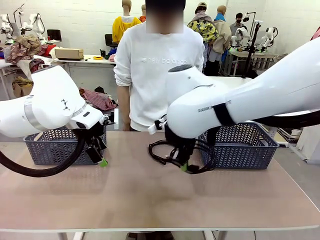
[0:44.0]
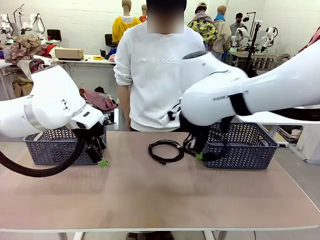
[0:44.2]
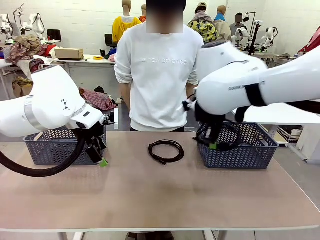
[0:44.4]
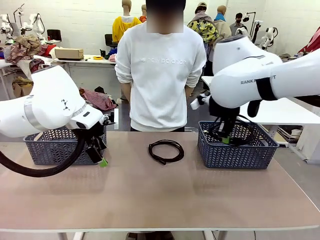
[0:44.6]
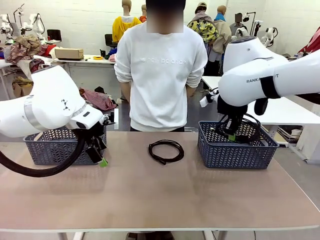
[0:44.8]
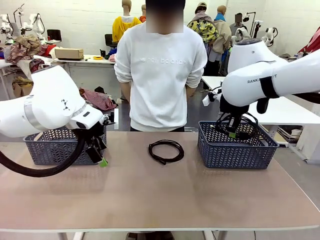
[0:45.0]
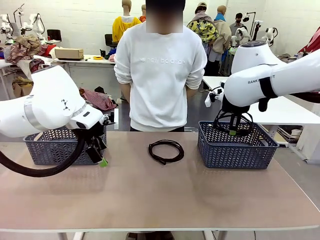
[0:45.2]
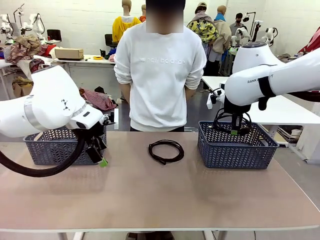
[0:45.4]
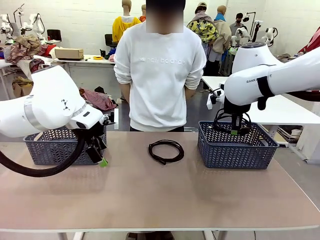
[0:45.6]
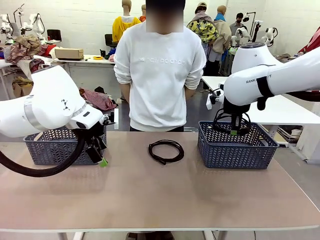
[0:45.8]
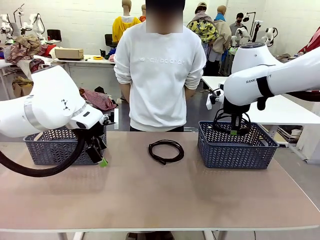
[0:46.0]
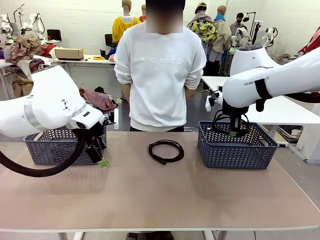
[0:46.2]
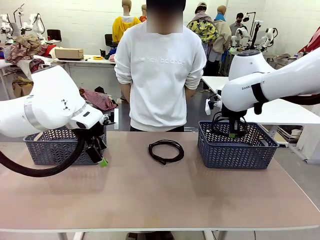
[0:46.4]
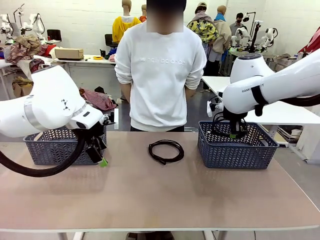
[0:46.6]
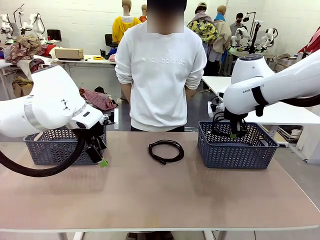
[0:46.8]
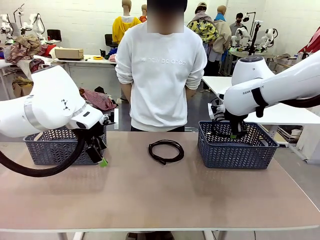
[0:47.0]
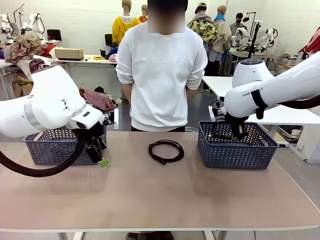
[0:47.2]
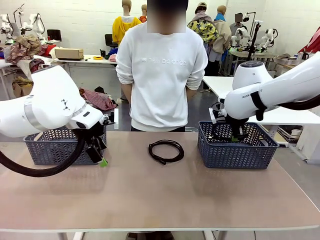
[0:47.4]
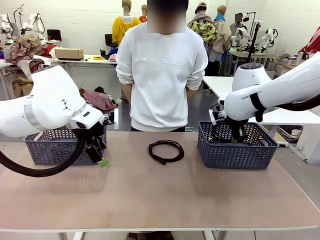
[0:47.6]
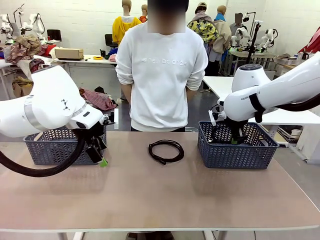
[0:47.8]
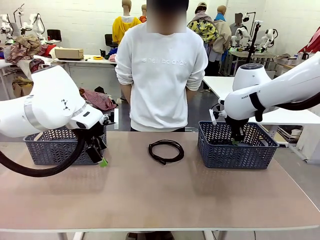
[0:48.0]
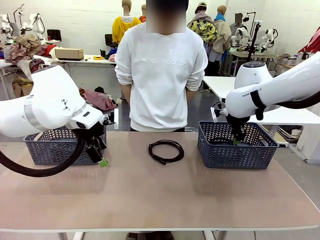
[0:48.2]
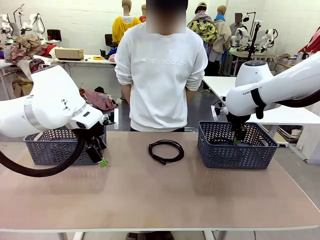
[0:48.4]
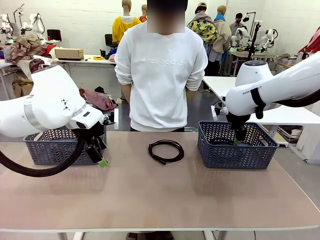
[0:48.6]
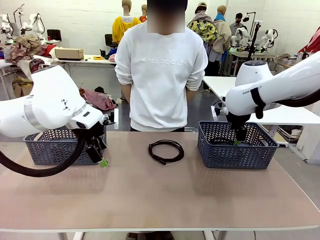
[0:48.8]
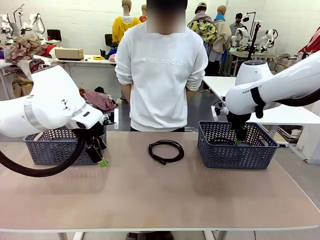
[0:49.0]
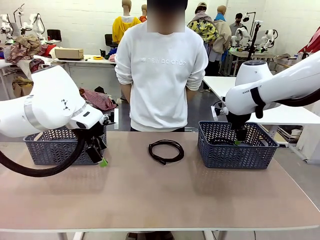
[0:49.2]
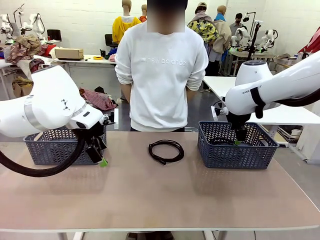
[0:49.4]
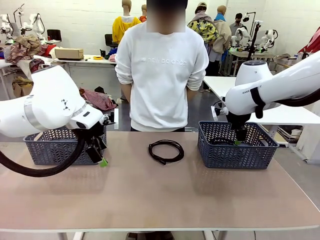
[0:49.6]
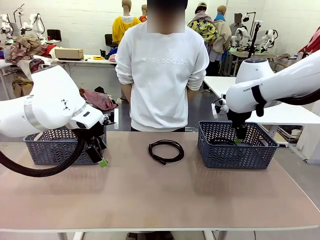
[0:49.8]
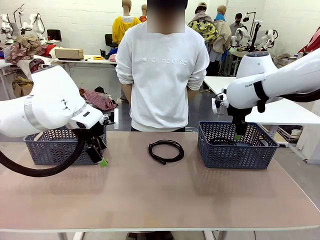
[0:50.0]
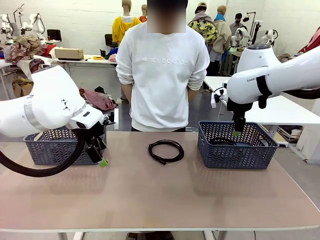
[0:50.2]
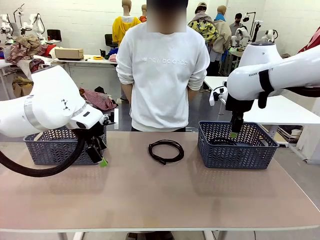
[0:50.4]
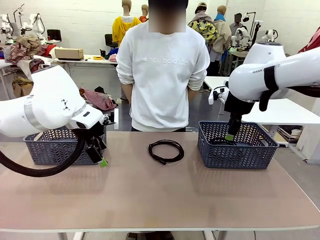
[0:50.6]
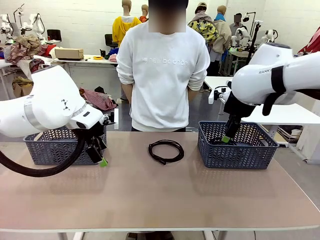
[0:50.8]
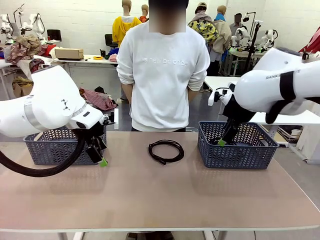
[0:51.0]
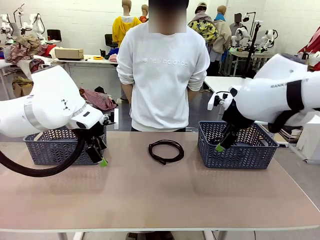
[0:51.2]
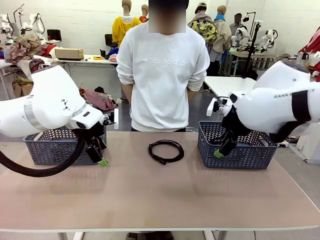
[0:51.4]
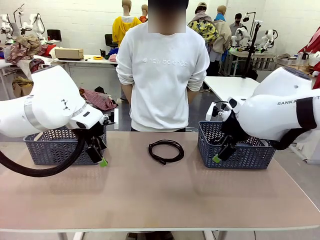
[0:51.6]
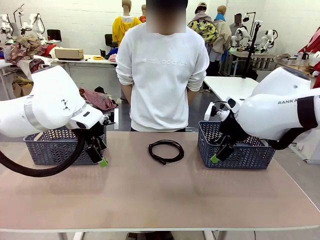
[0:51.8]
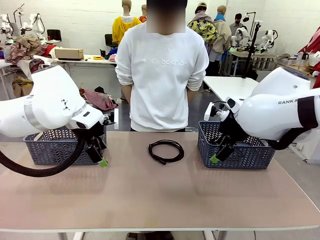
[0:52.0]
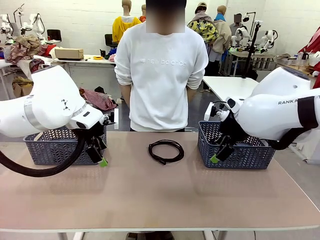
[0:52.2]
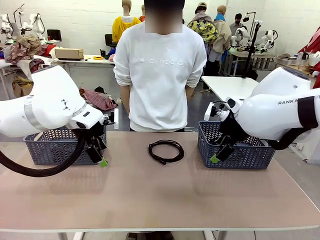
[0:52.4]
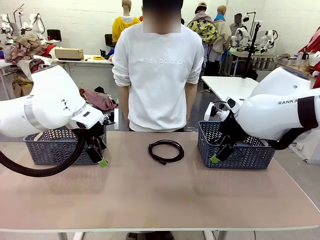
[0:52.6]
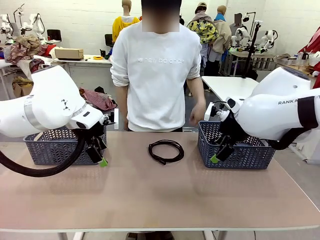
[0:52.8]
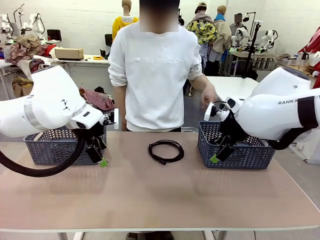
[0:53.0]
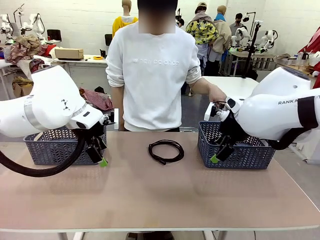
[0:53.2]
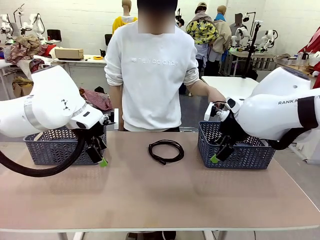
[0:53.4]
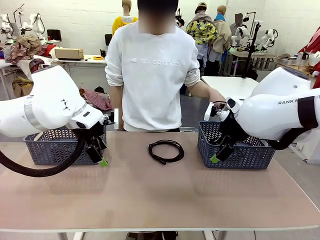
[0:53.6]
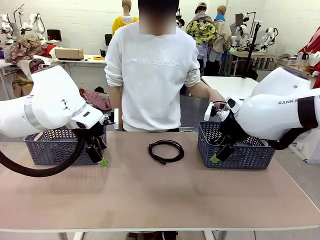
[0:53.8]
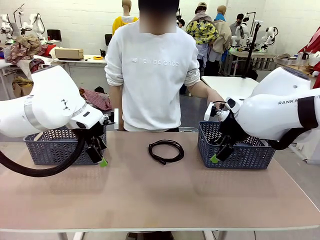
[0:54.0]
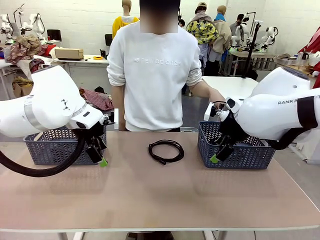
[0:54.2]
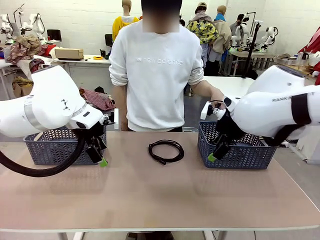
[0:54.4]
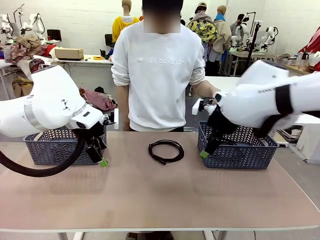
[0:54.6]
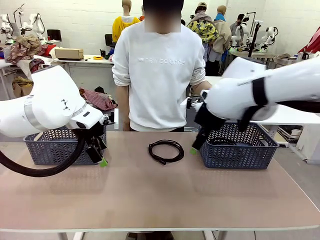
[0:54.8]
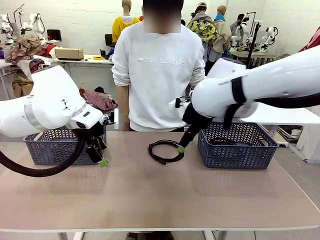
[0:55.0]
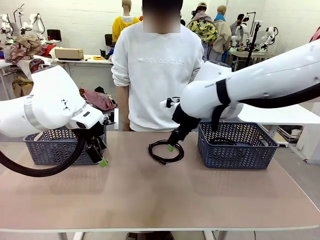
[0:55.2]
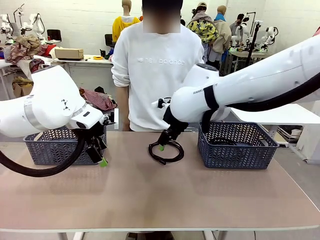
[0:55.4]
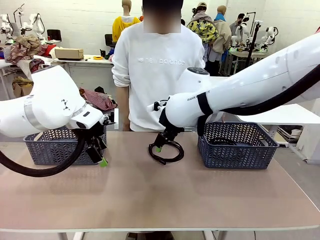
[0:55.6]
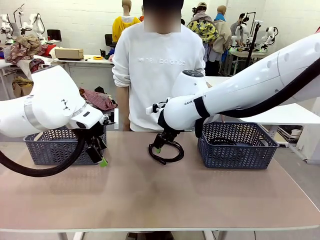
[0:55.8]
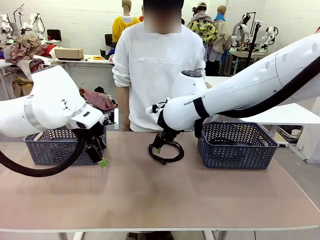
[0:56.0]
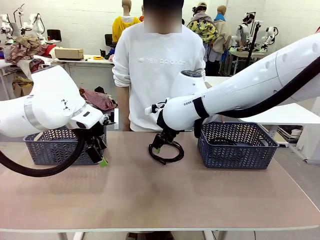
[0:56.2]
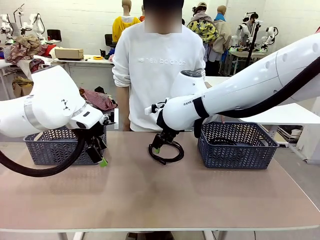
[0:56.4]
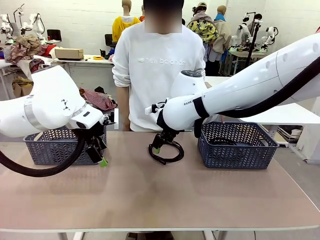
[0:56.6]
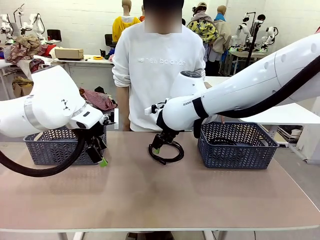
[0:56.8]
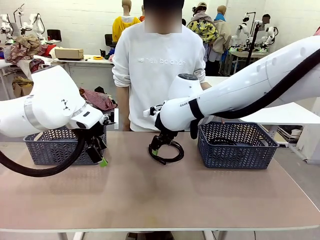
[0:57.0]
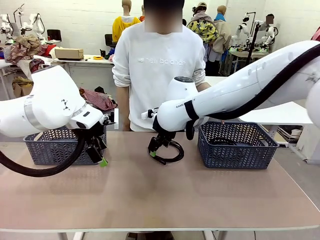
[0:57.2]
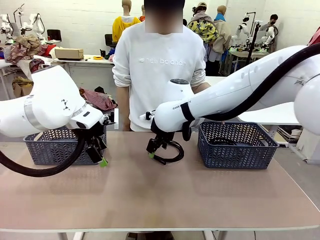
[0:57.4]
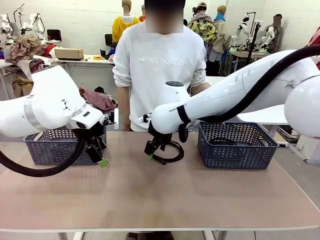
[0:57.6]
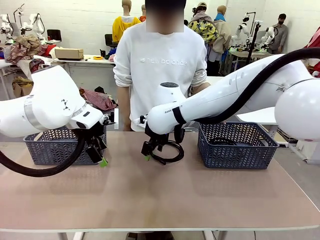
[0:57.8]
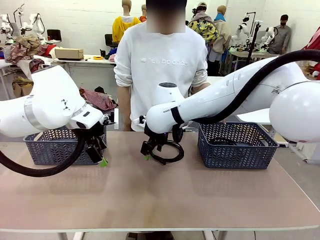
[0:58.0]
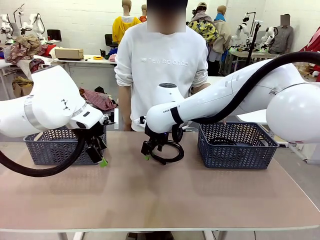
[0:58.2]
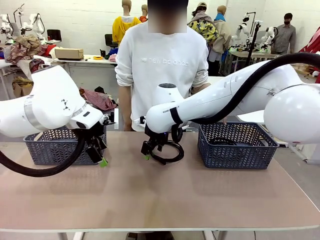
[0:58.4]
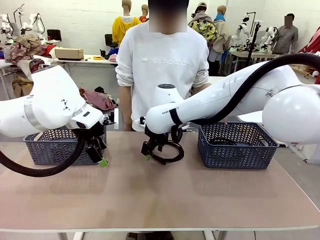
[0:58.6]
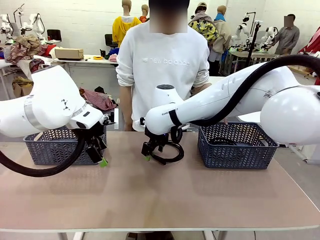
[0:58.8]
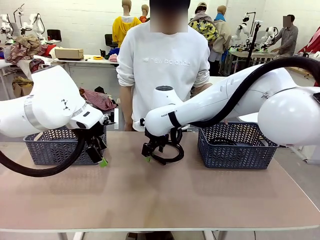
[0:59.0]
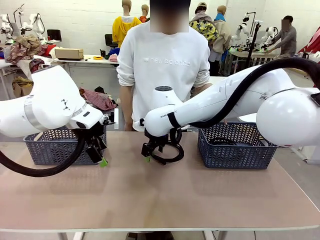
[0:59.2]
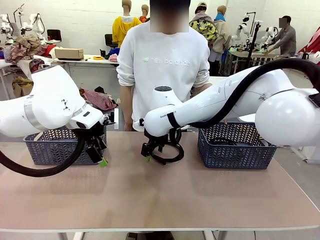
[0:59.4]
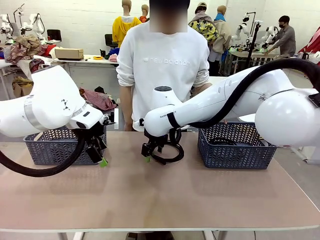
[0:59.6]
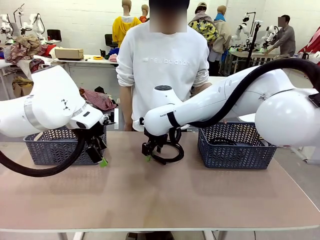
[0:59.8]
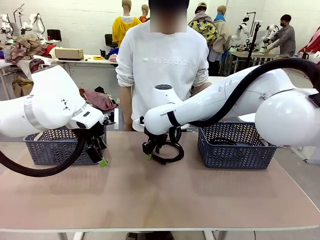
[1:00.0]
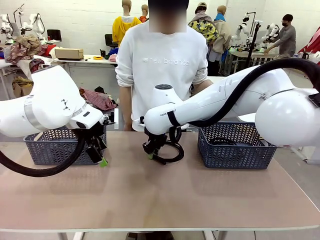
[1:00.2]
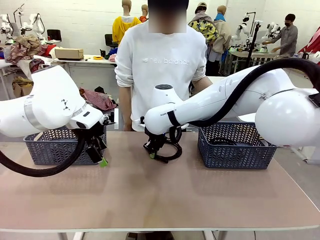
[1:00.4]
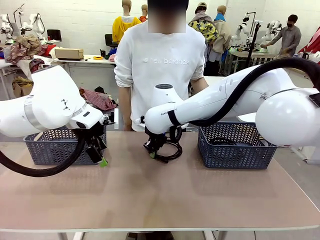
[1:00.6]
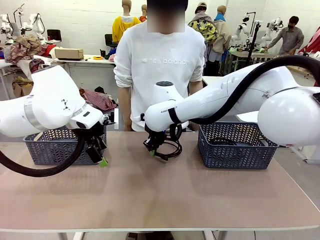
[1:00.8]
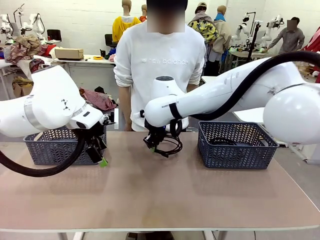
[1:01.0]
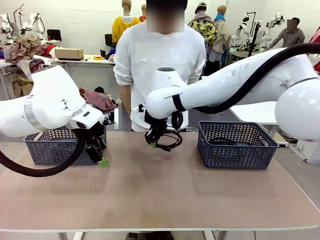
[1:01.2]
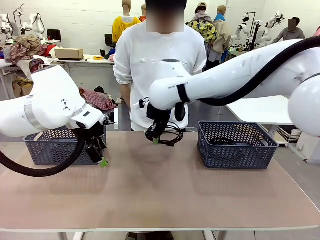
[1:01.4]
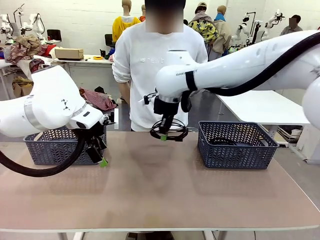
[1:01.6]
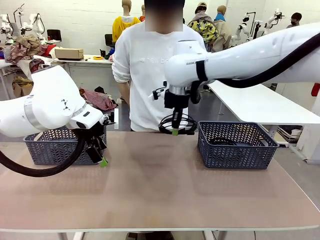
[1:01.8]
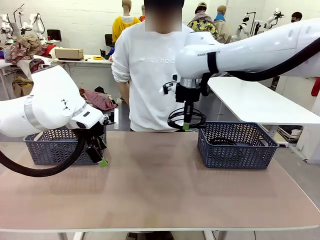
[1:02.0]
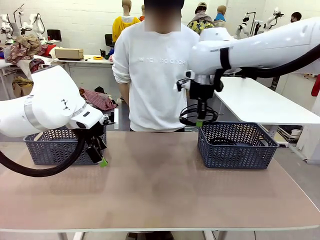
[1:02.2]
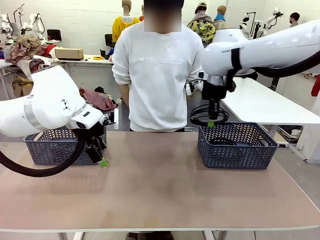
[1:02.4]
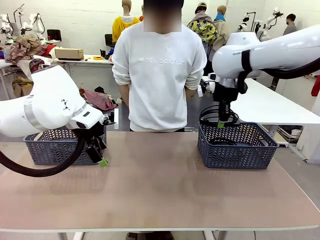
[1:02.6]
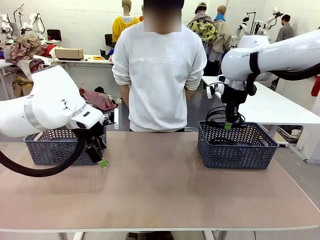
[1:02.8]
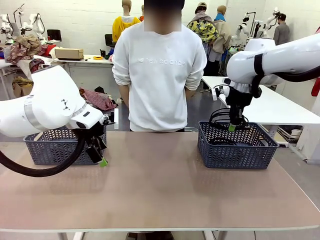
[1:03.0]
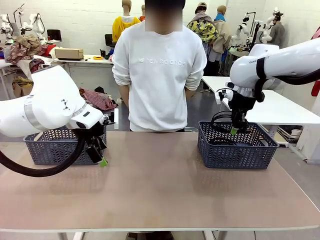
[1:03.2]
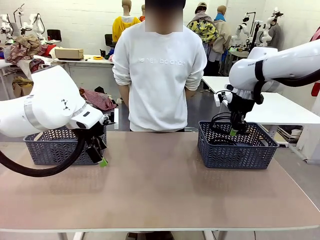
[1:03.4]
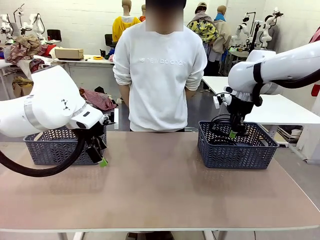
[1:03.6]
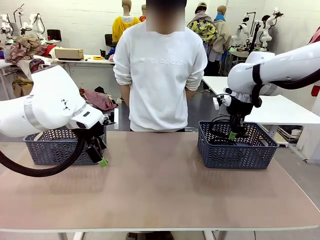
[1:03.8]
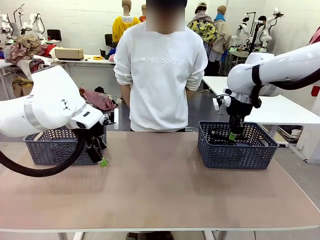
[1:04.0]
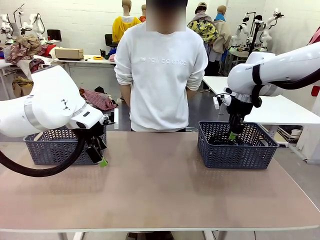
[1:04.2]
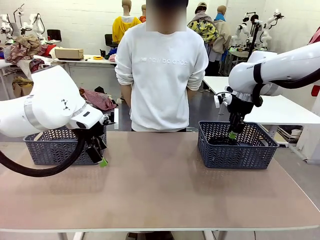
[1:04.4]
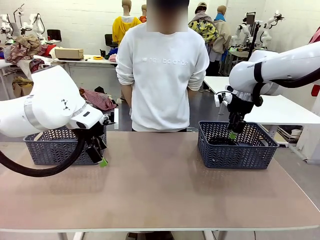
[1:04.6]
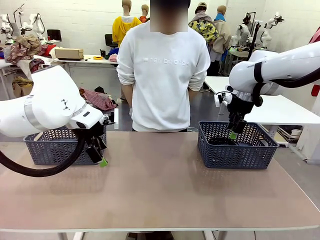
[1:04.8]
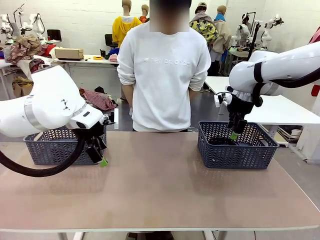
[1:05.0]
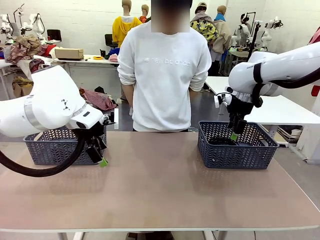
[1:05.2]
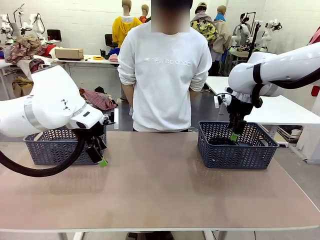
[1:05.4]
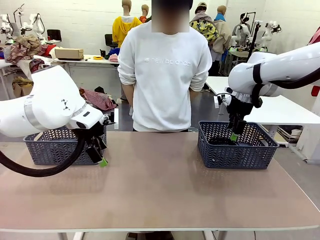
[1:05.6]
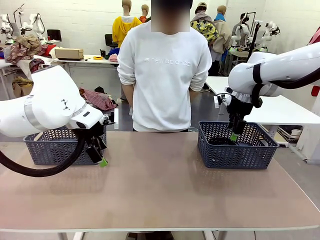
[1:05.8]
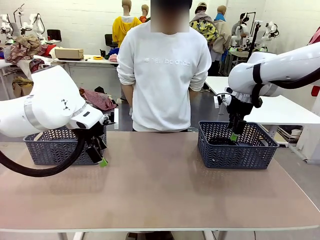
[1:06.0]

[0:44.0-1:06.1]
Task: Organize the cables according to human instructions.
Robot: Pick up a bundle of cables and place it in the basket indicated by the human.
